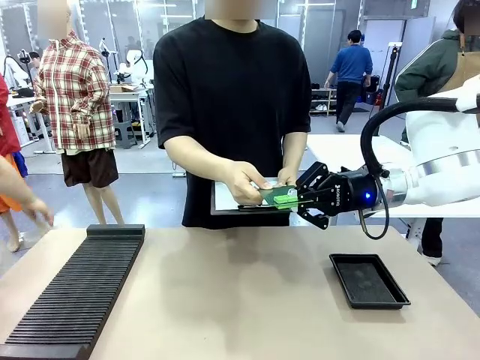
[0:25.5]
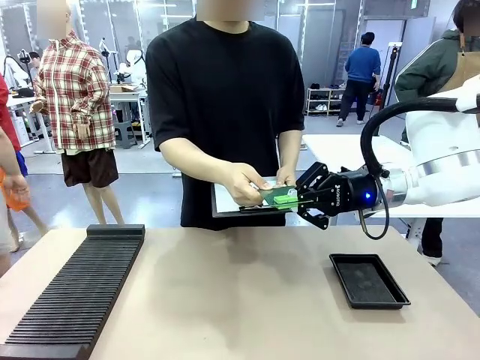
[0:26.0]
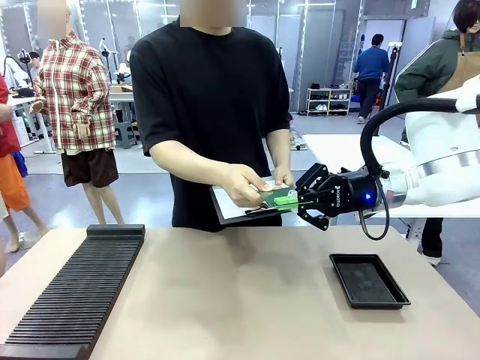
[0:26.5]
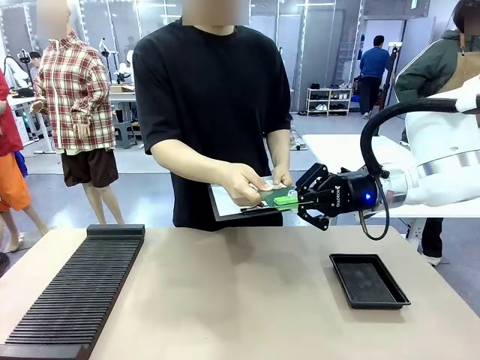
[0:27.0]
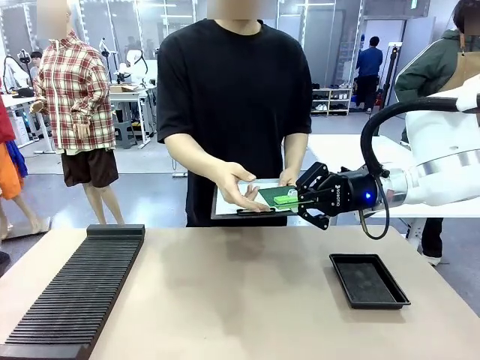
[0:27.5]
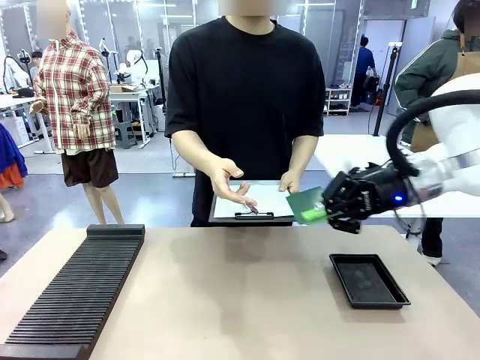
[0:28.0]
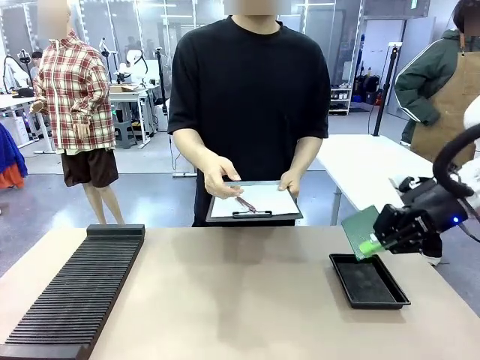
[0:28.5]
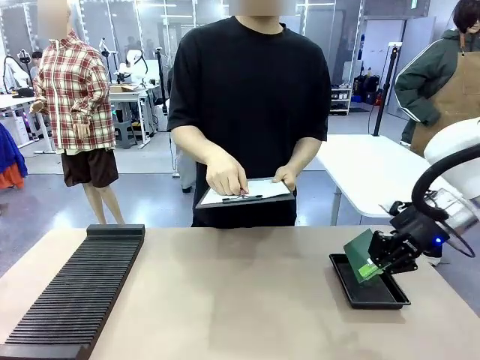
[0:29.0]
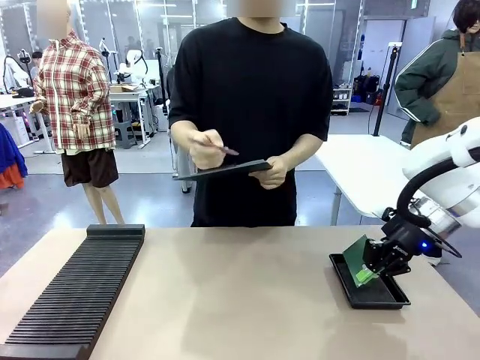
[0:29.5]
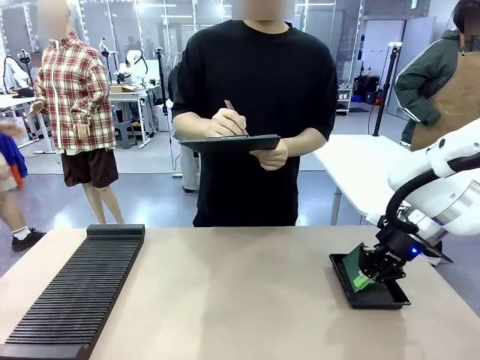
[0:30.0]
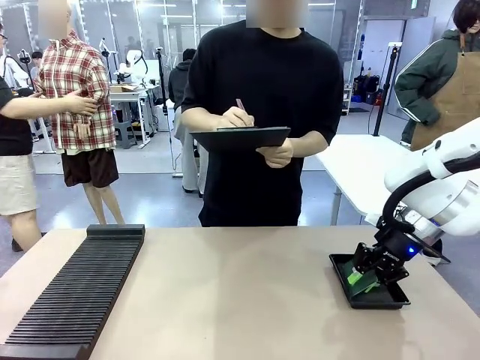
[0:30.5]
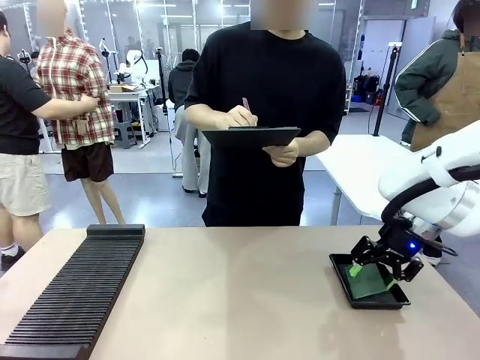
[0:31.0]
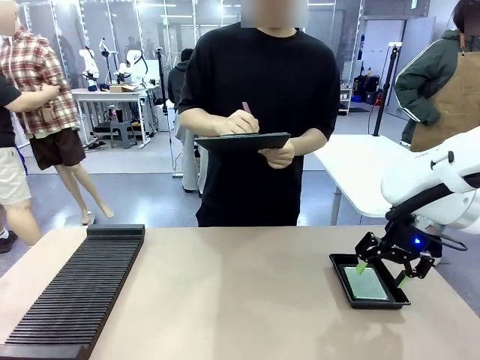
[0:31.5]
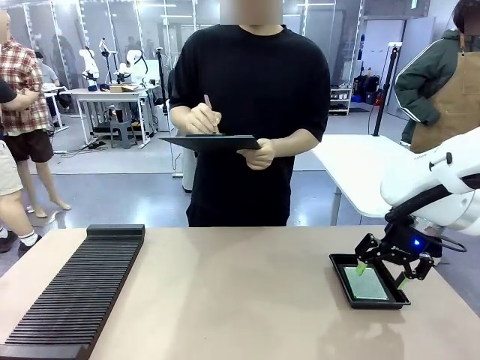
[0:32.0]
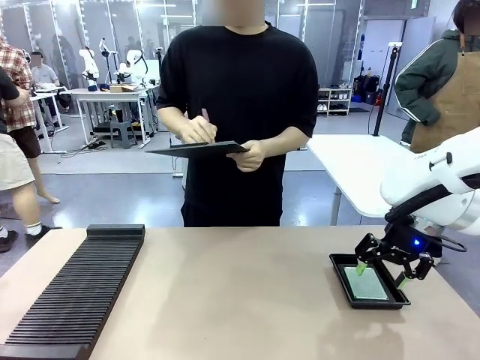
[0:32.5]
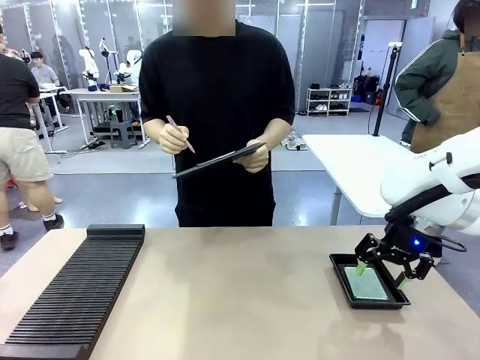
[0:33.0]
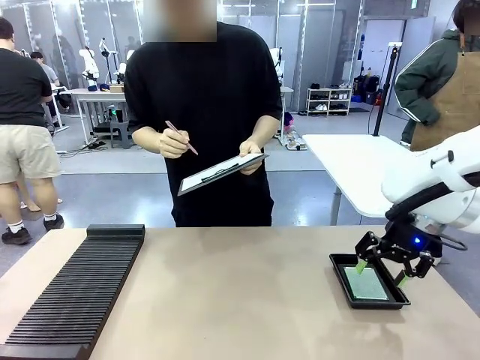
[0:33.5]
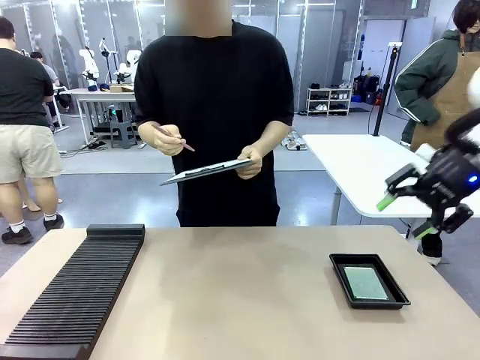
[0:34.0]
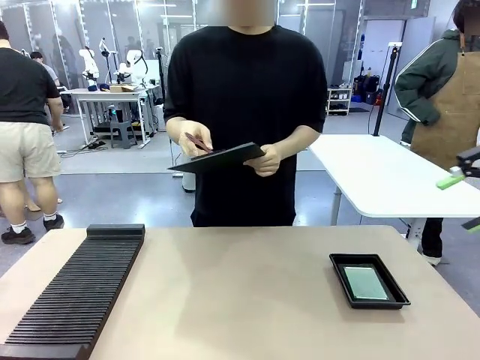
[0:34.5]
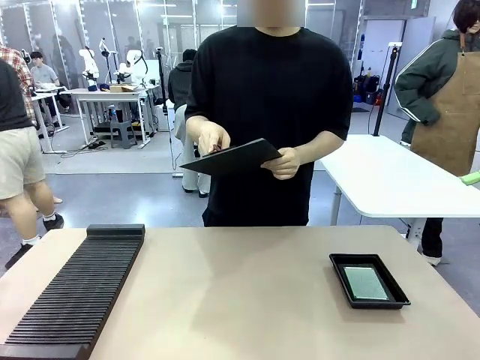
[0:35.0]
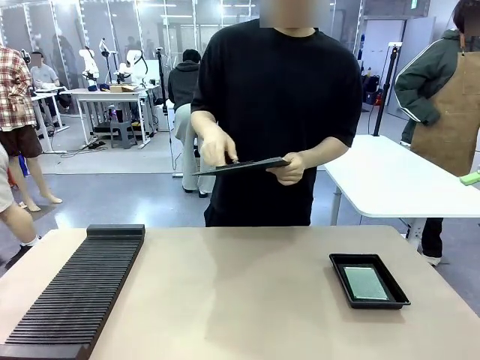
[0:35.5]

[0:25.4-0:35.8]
Task: Inspect the PCB.
Robot: Place the Blank PCB in the ESD tray.
Person: Record the PCB status on the paper.

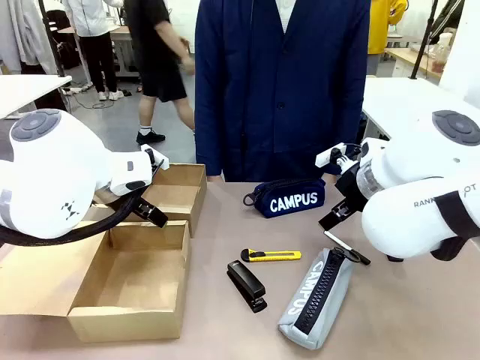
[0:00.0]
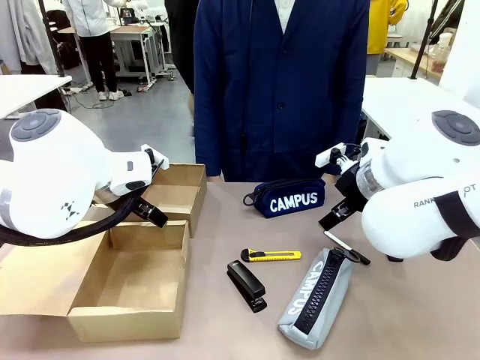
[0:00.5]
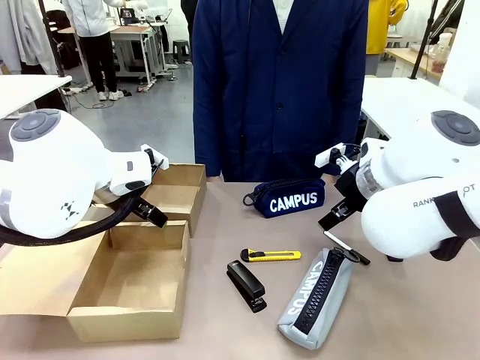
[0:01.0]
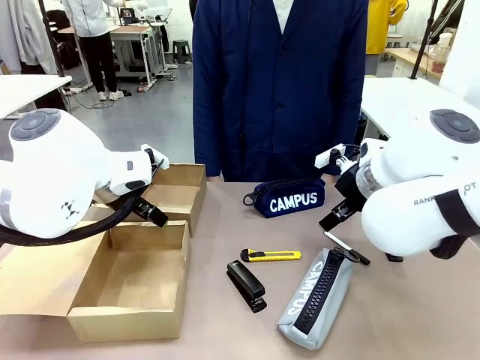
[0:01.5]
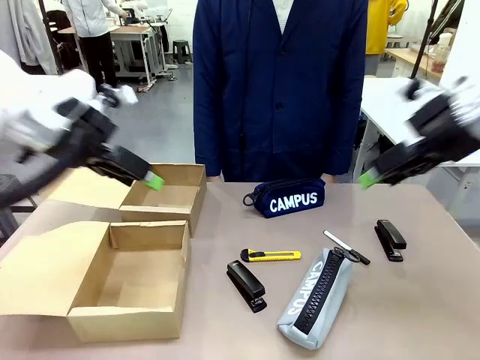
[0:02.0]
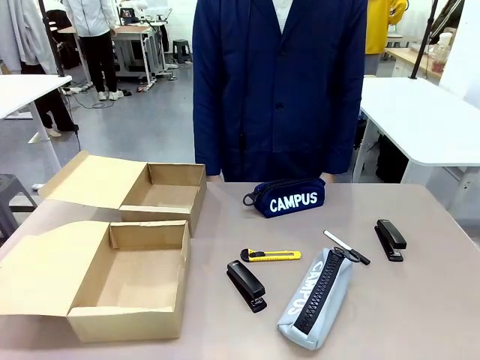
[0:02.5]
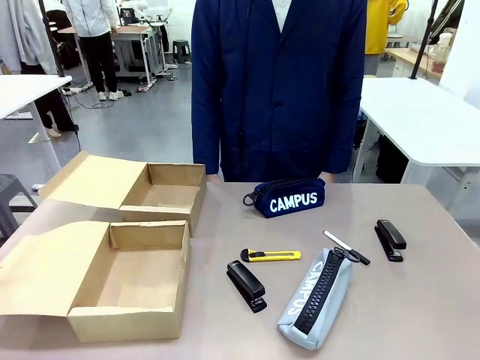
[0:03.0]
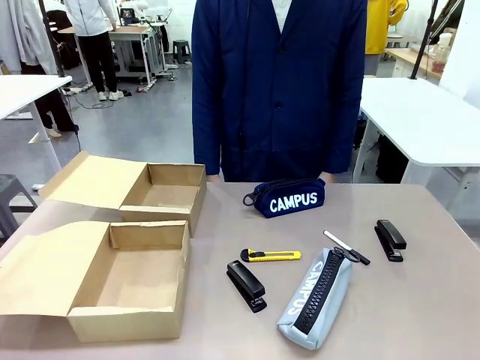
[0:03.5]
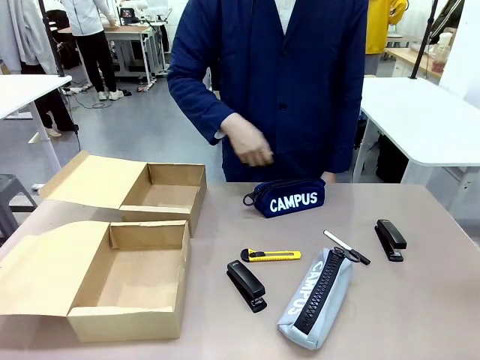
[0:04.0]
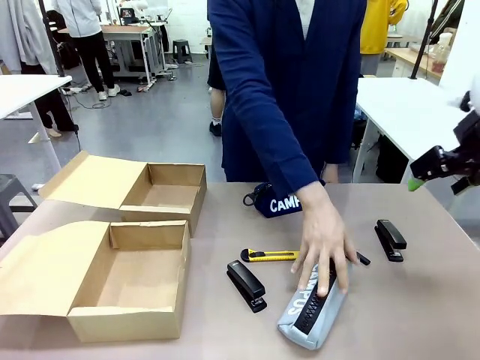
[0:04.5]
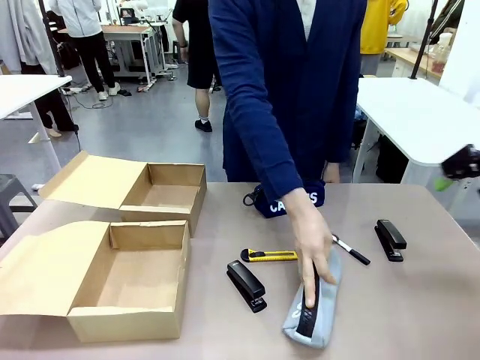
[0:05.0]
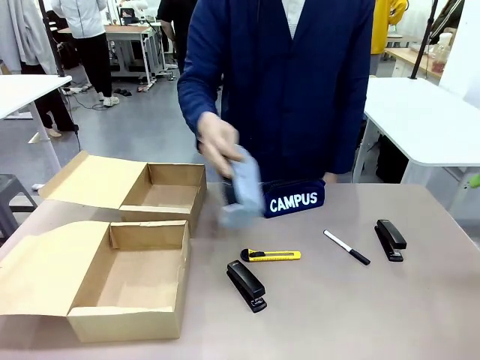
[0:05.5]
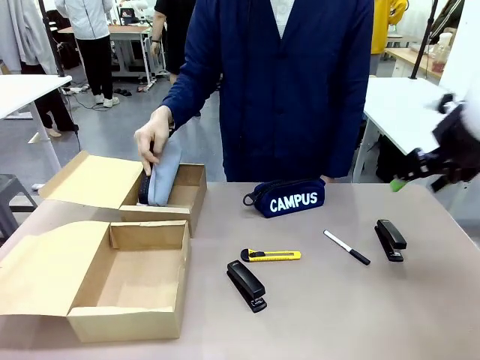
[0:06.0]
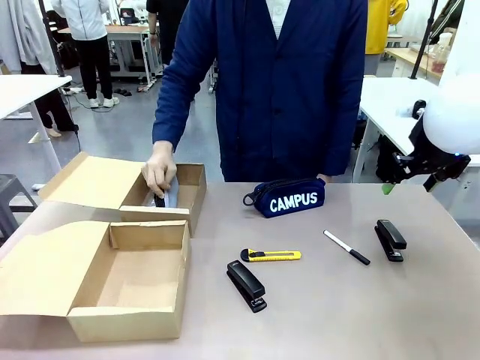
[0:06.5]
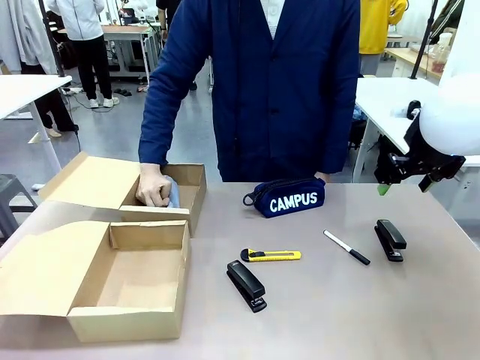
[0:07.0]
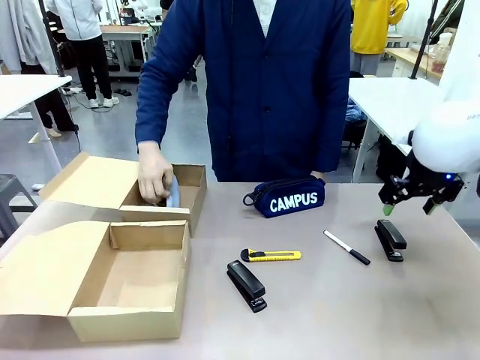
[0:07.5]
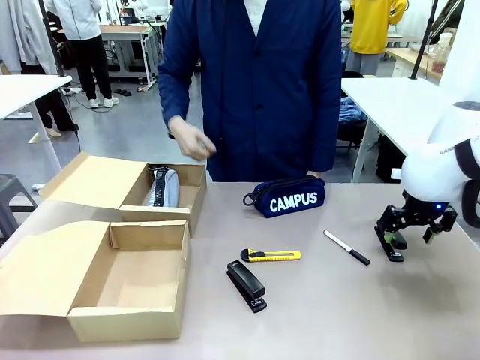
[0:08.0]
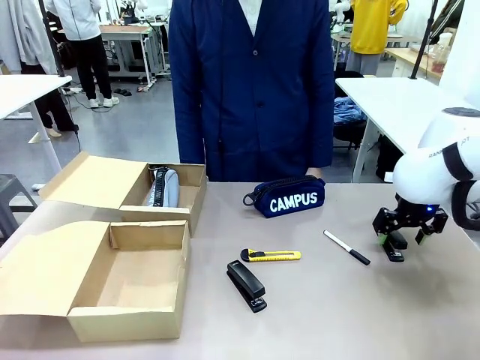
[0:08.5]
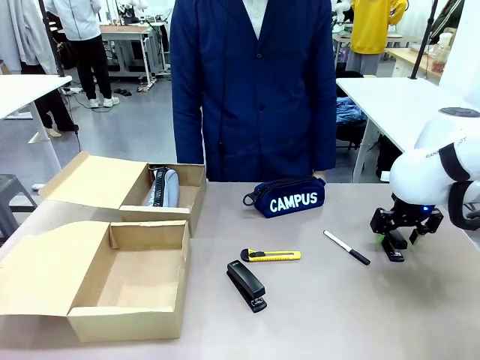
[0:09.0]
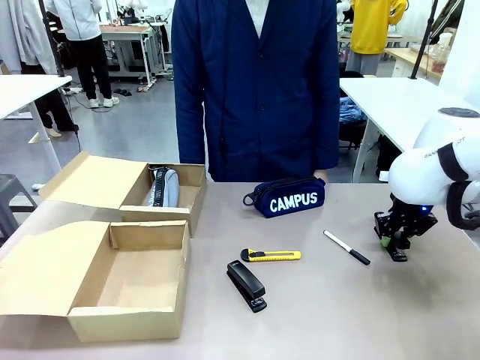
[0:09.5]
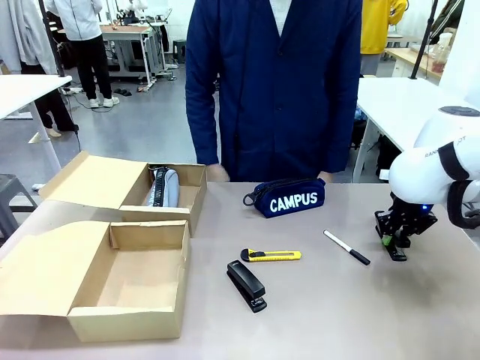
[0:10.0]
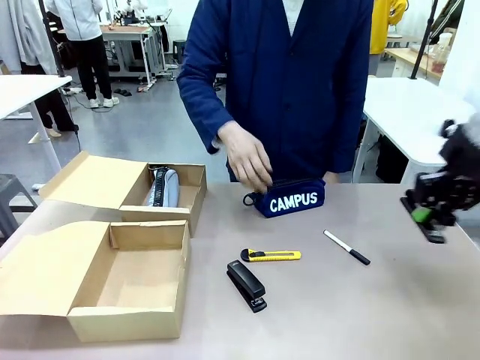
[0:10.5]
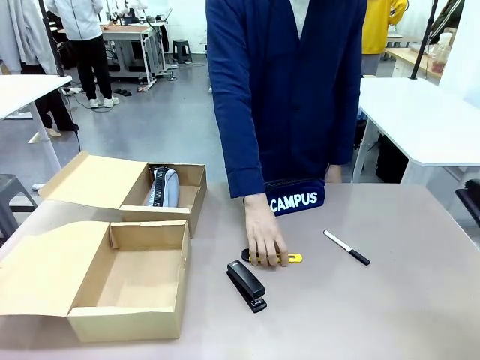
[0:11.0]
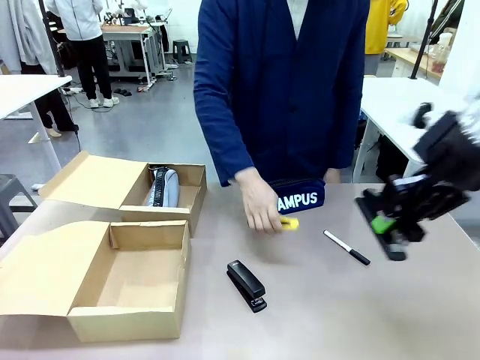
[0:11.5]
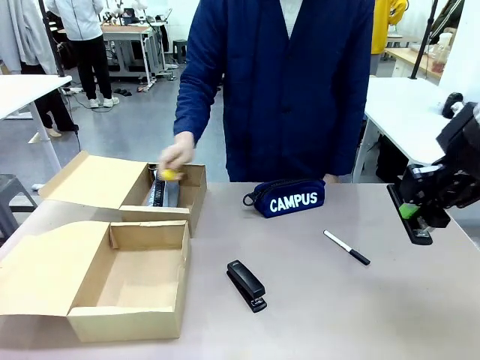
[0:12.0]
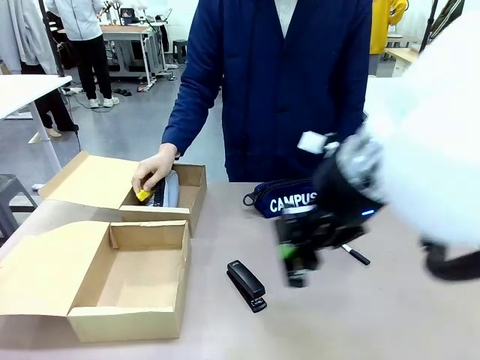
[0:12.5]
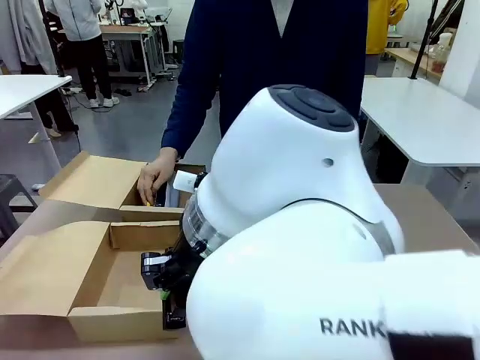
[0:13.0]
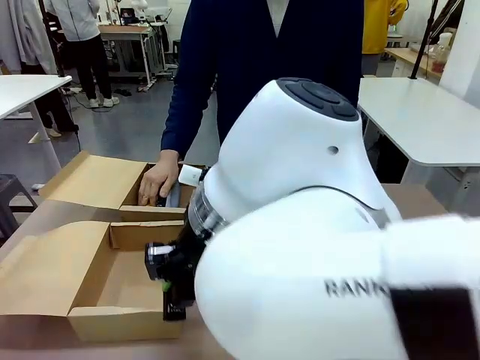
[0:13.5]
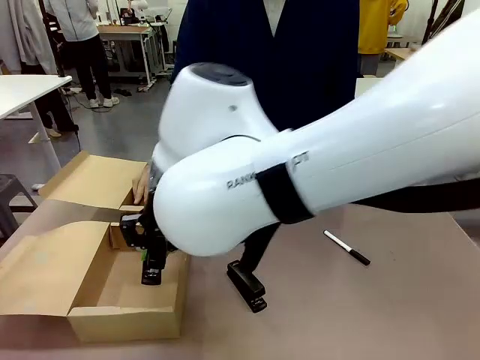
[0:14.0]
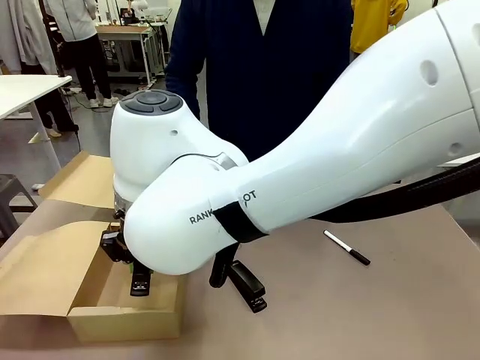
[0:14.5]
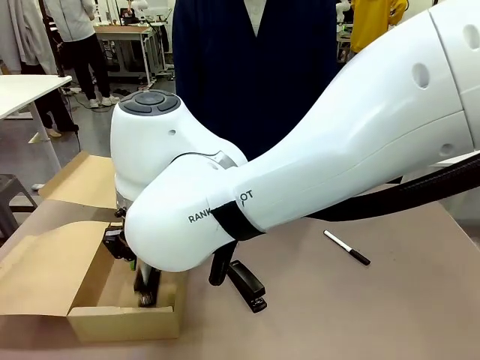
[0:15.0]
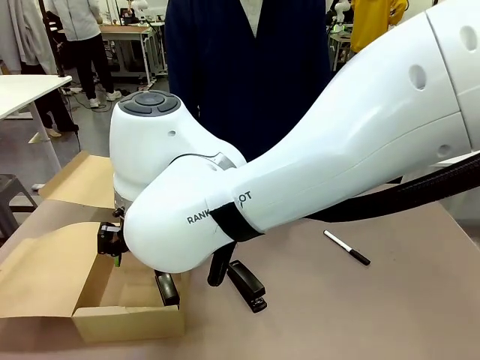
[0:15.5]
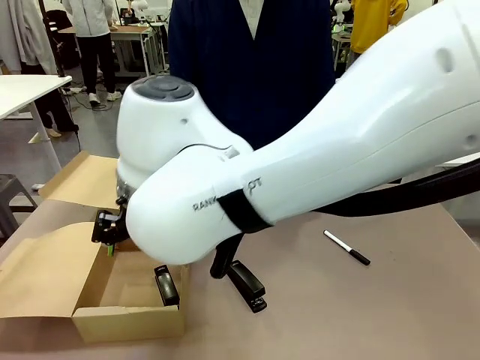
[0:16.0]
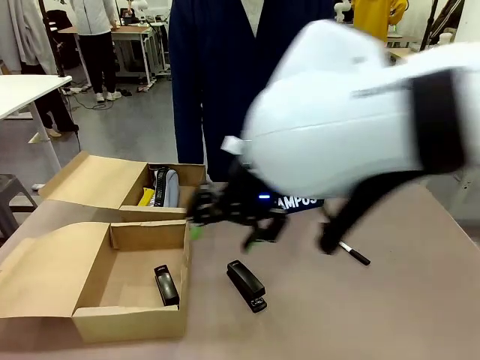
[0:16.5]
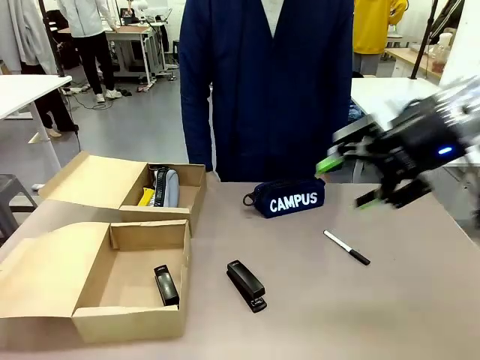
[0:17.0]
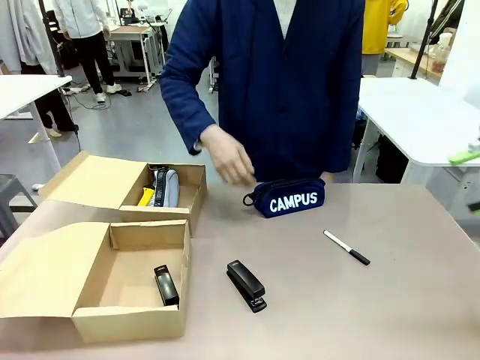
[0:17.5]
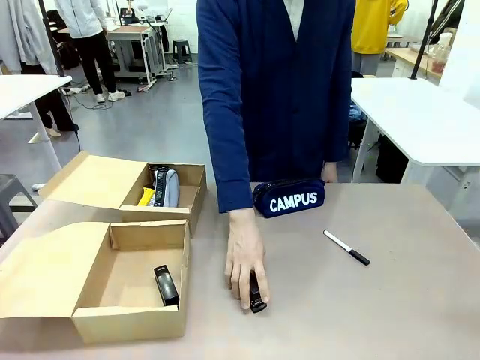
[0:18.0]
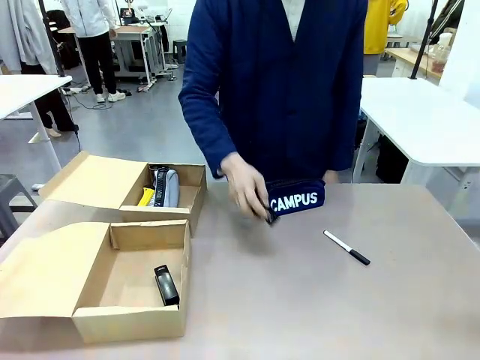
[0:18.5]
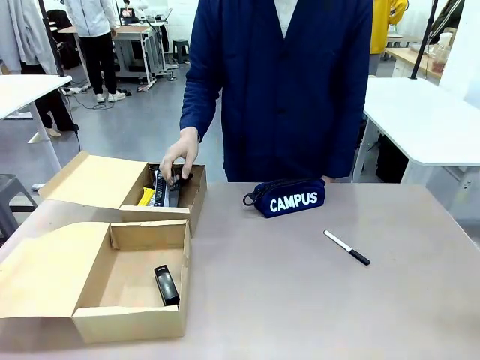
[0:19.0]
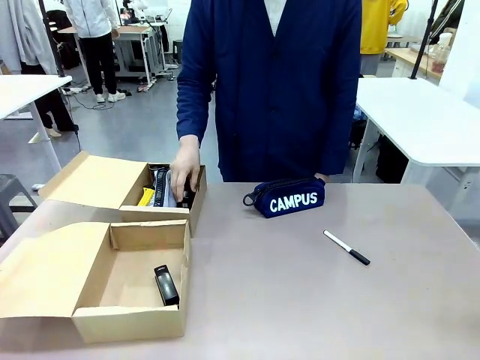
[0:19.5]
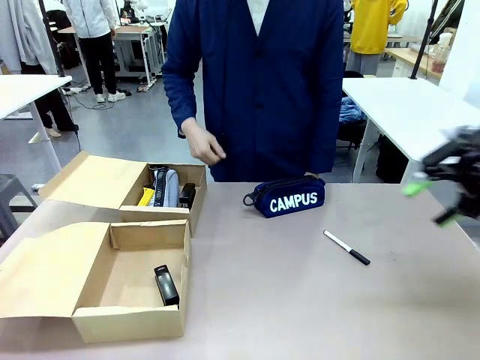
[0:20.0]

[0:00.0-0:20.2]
Task: Place items inside the box.
Robot: Pick up a Pencil pouch or Stapler and place it inside the Mailer Box closest to the robot.
Person: Pick up an object on the table and put it in the box.
